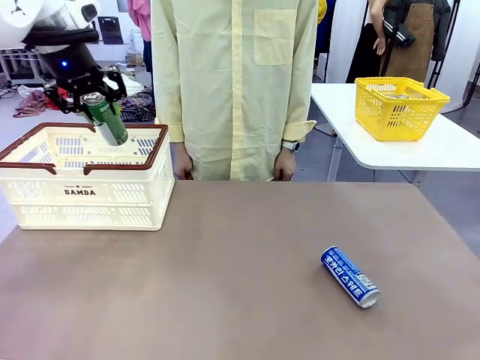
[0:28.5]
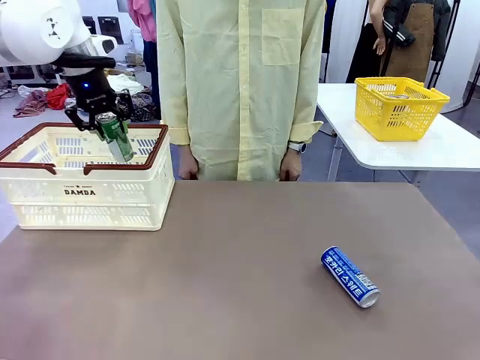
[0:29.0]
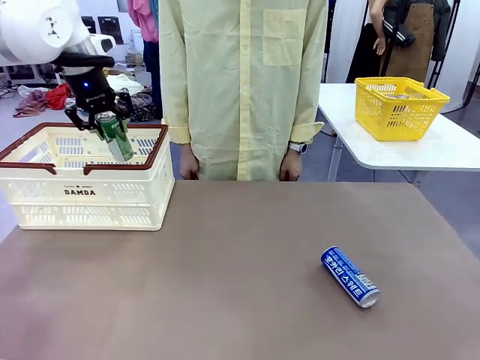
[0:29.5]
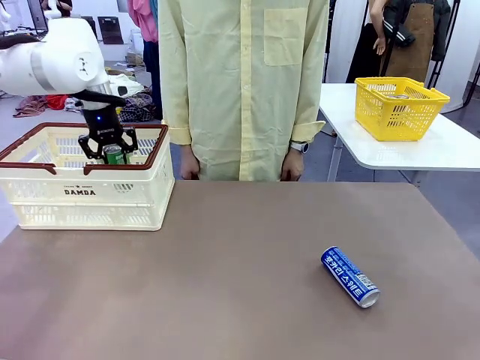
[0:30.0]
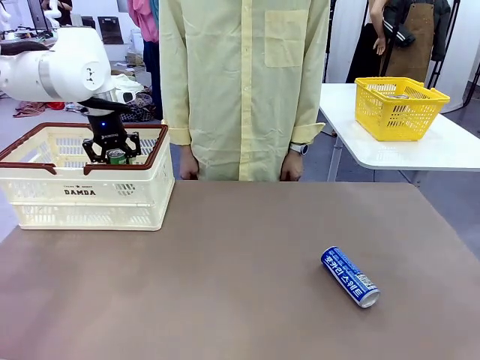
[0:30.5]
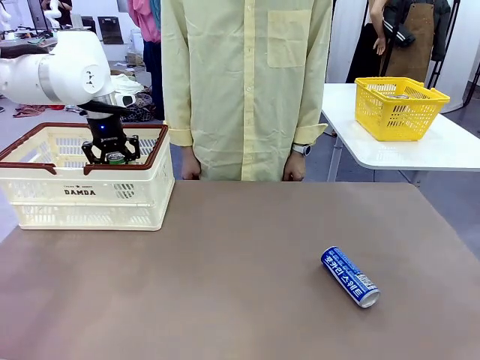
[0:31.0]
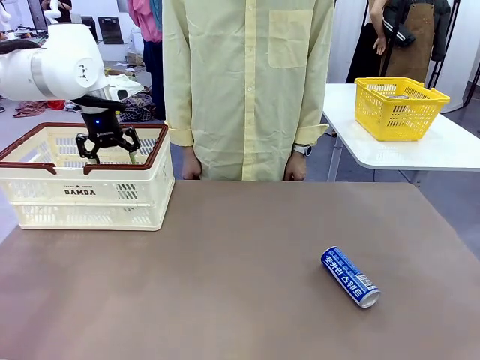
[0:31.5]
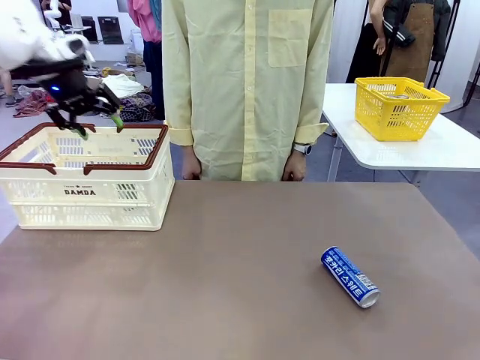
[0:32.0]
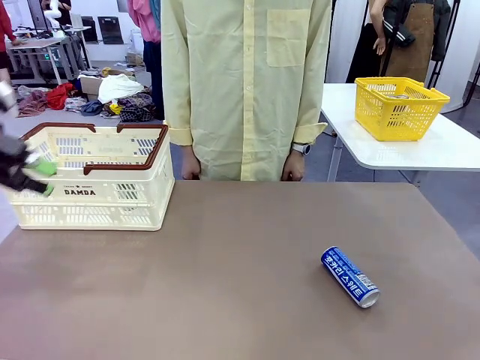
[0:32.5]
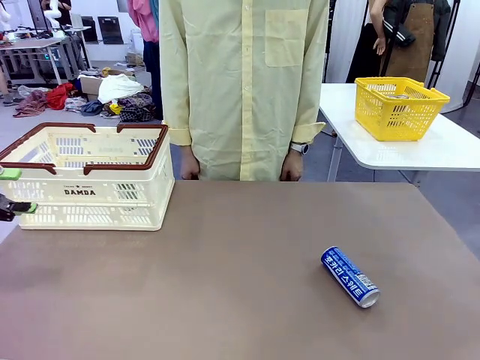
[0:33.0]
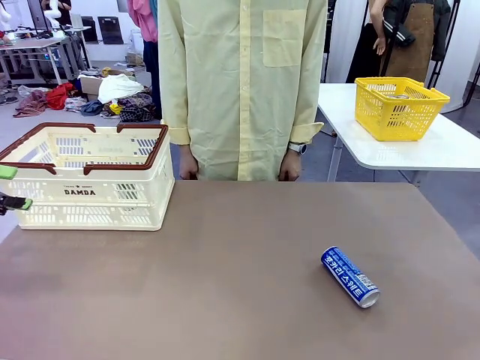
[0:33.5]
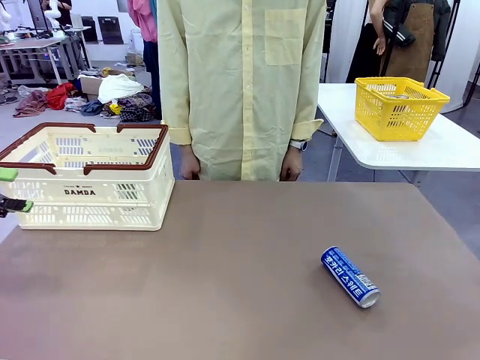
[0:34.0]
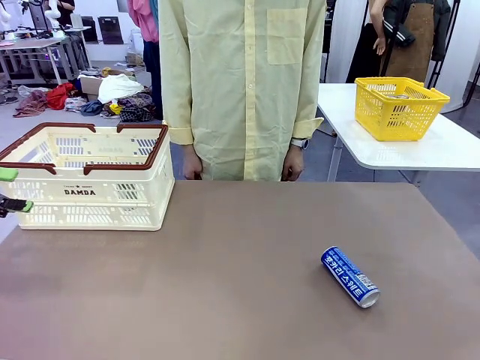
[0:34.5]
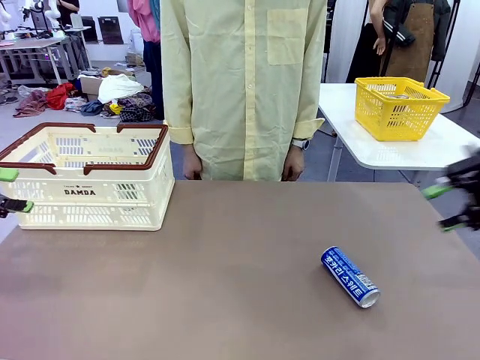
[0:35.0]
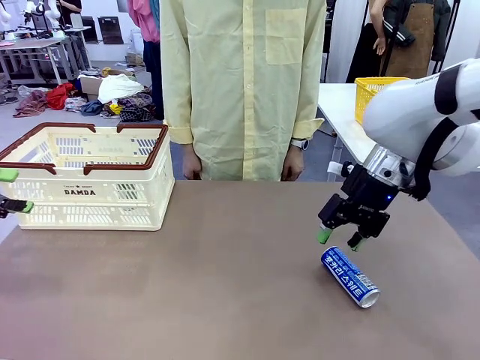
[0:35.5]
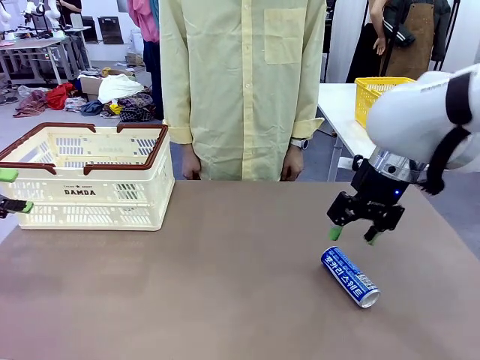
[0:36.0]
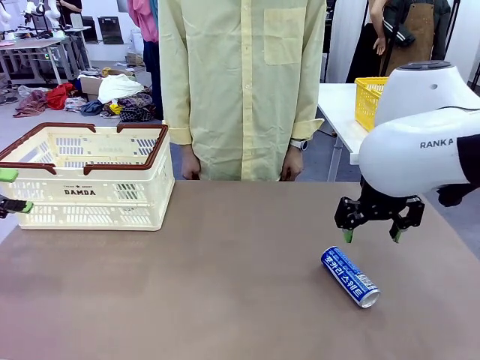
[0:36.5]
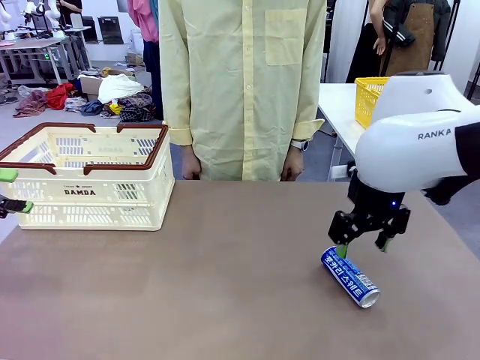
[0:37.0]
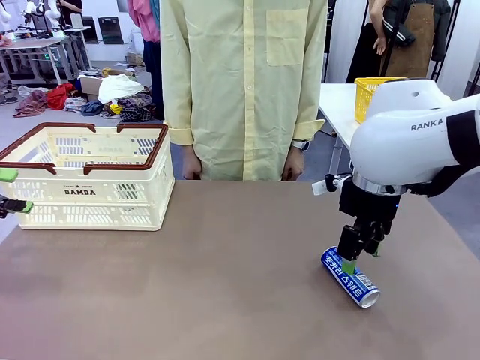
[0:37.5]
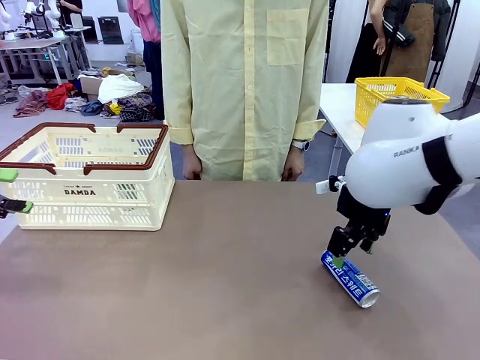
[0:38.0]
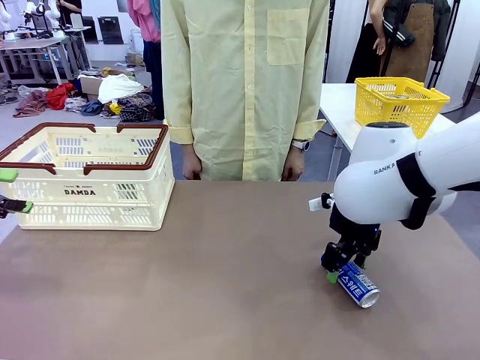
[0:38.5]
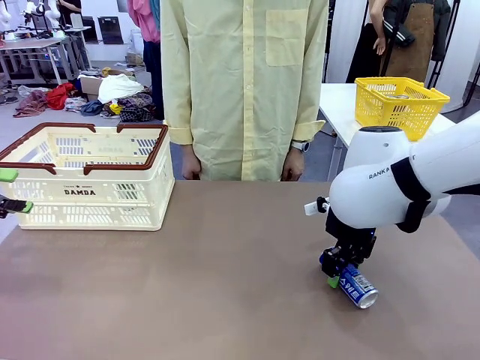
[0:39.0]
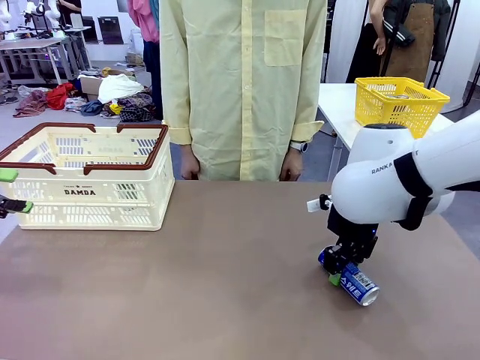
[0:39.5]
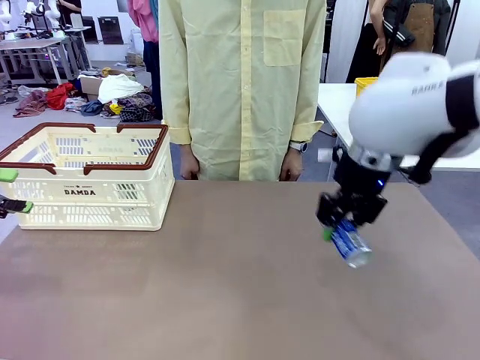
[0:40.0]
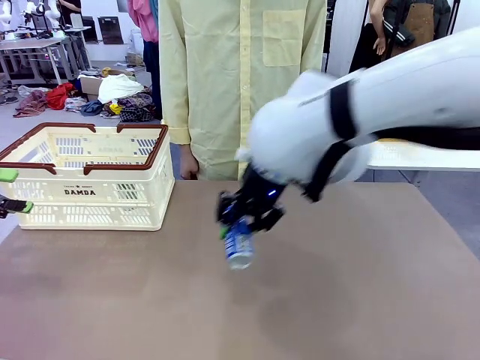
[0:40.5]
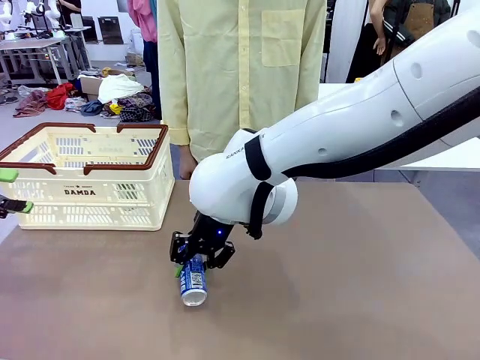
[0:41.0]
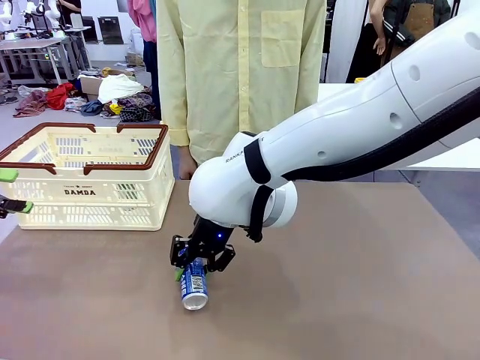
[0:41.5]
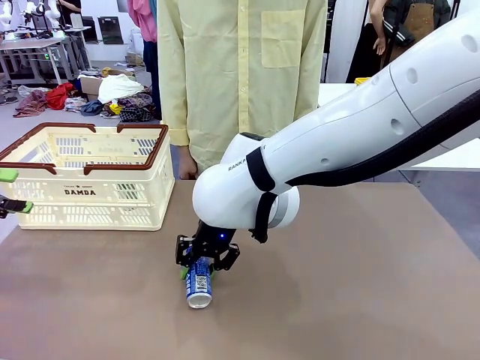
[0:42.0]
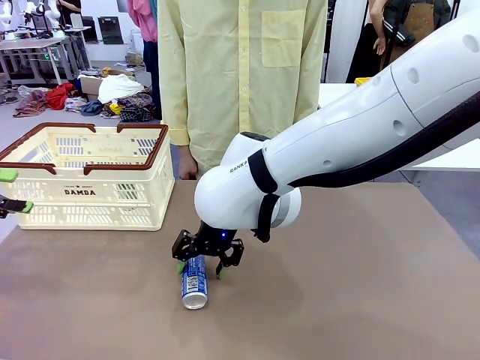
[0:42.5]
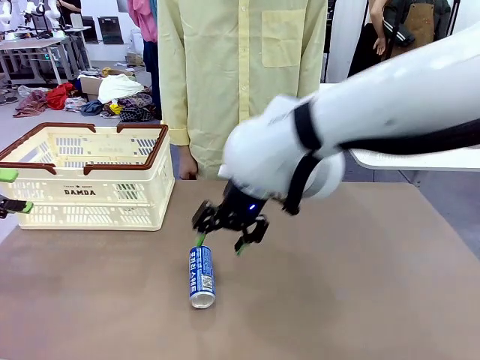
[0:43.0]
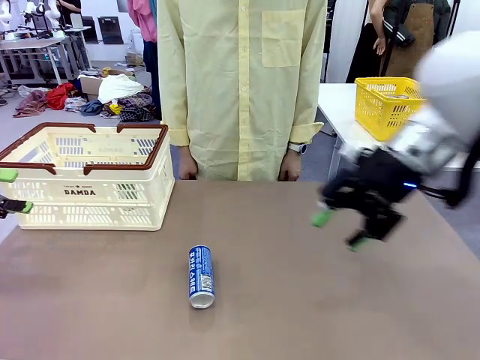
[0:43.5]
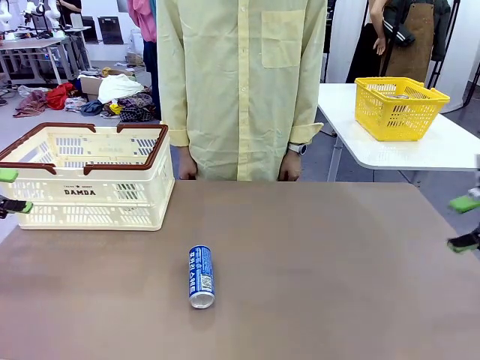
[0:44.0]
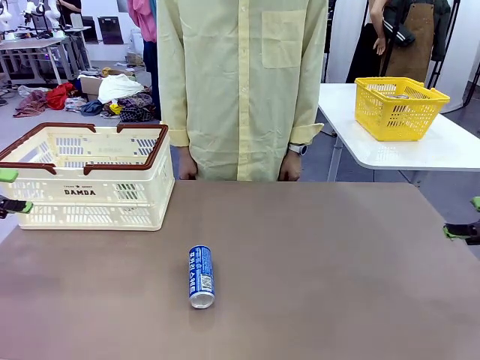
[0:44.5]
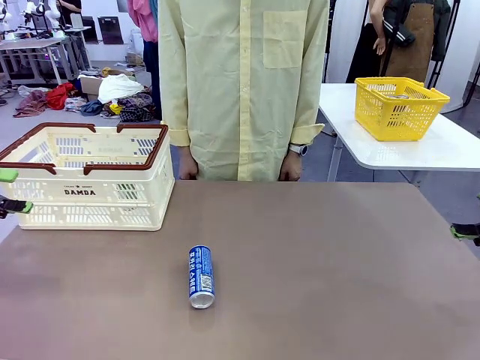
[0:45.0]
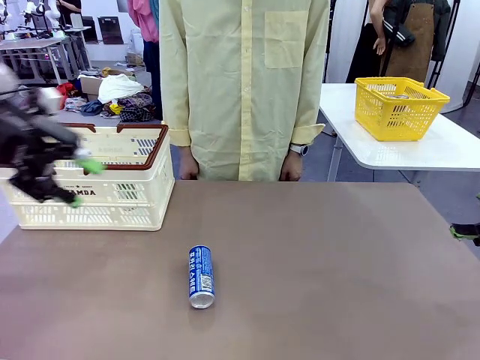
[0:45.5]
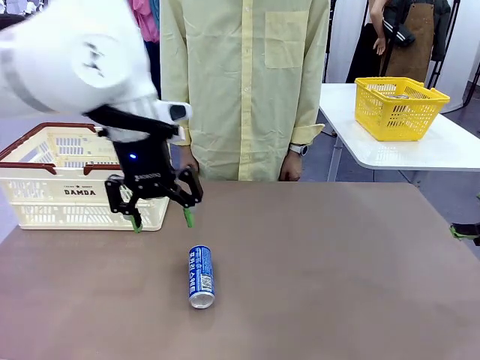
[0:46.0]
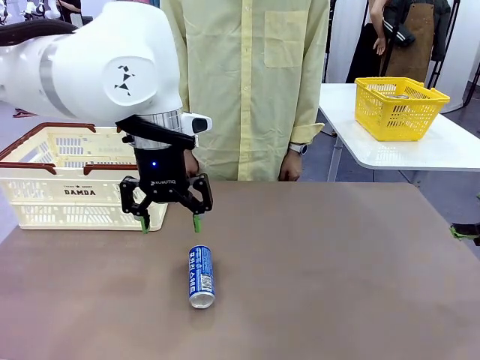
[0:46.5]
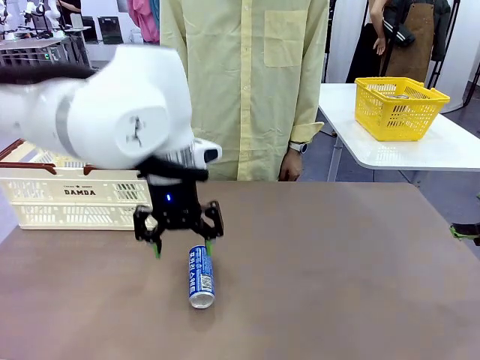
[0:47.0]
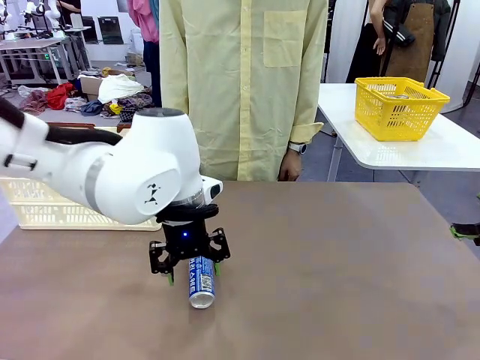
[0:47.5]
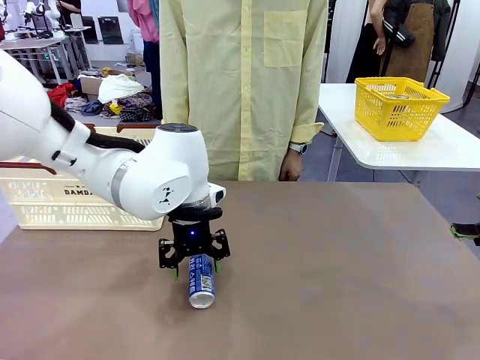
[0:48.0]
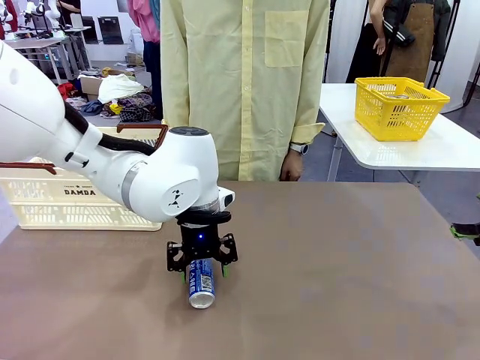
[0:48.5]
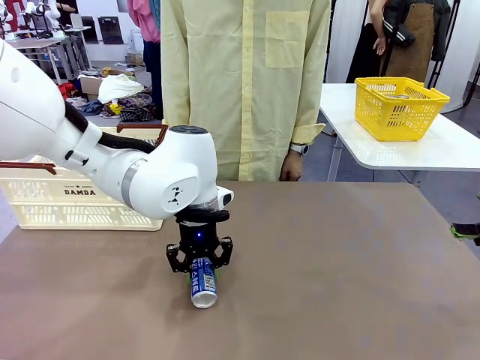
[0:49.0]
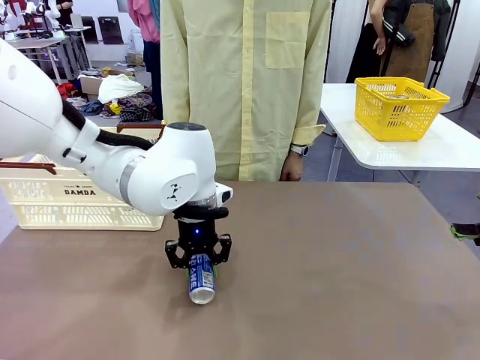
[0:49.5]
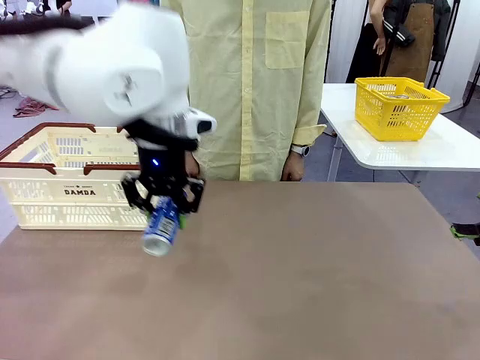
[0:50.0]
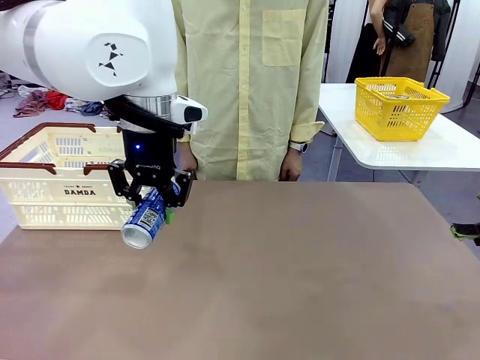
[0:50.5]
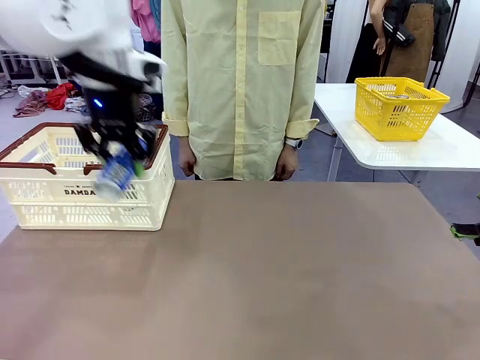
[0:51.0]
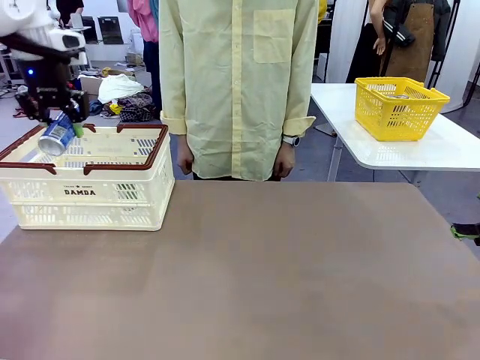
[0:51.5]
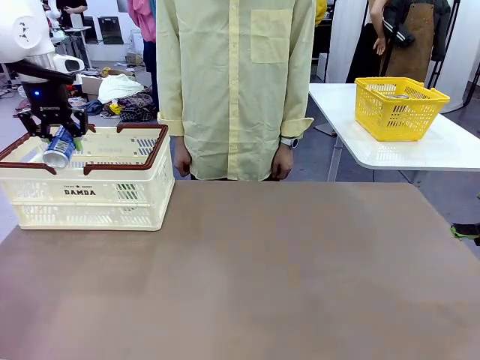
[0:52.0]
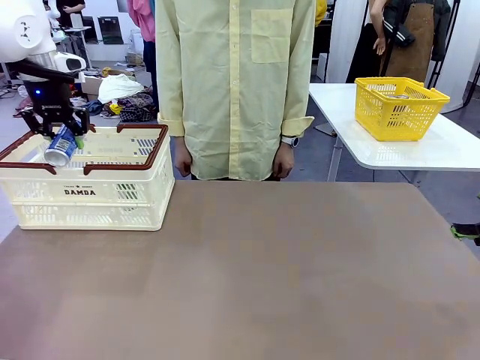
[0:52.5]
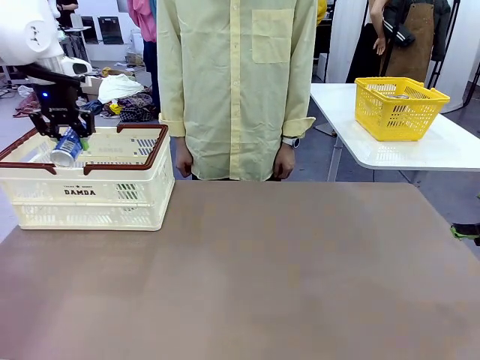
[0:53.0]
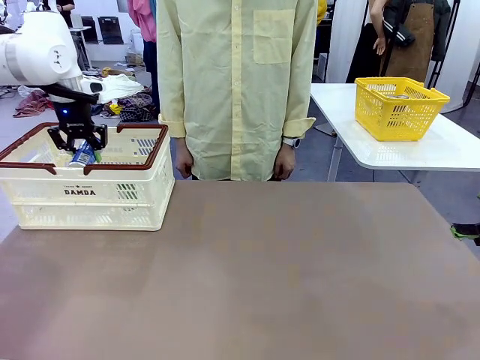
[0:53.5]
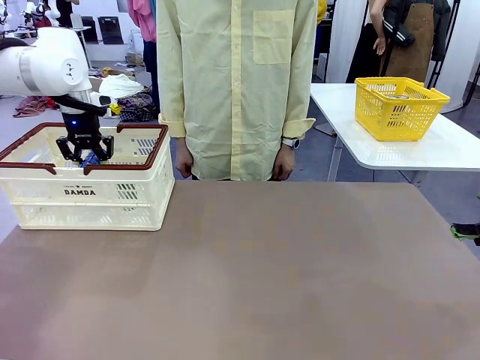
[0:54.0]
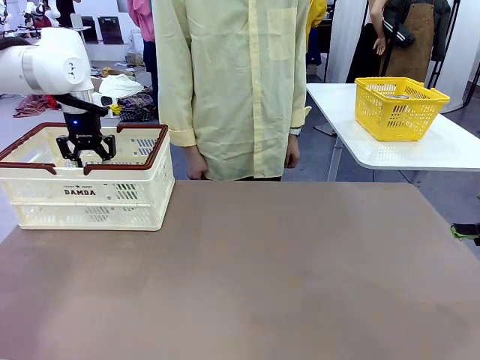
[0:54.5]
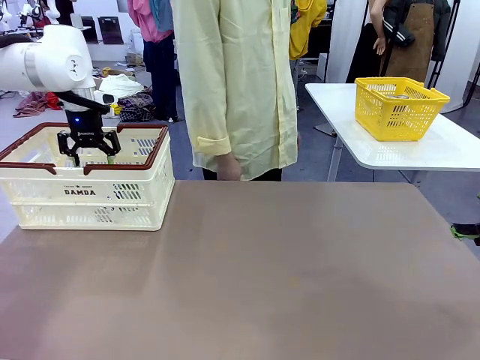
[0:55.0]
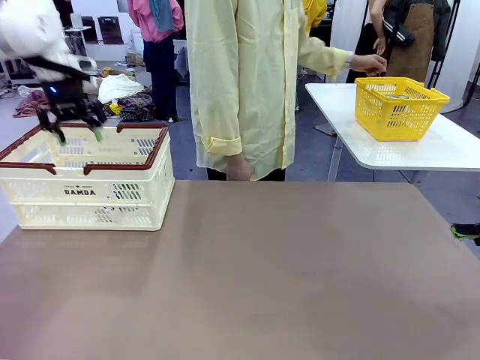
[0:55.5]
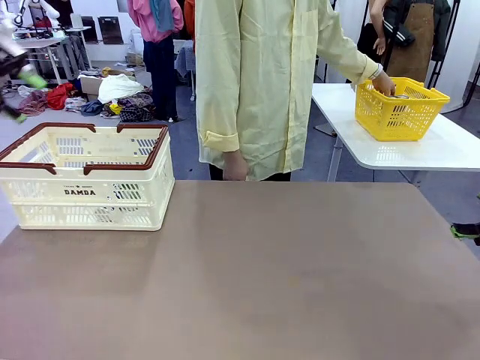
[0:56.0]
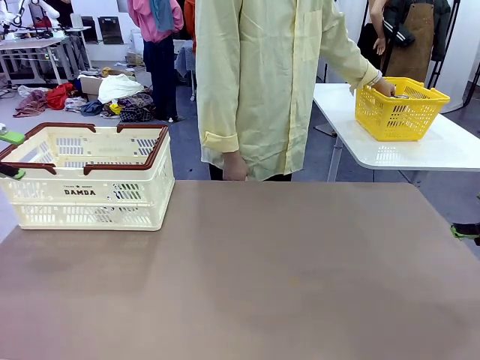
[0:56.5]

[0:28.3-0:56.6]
Task: Place the drinks into the Shopping basket.
Robot: Pick up one drink and place it into the Shopping basket.
